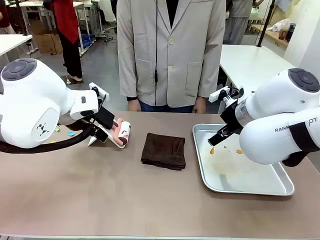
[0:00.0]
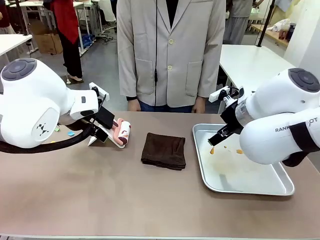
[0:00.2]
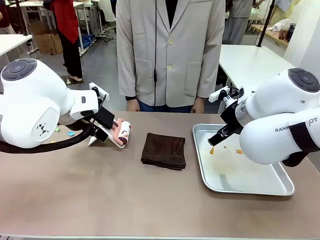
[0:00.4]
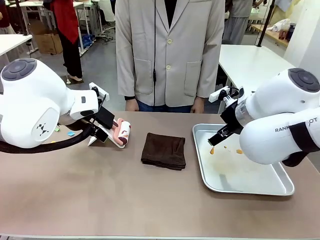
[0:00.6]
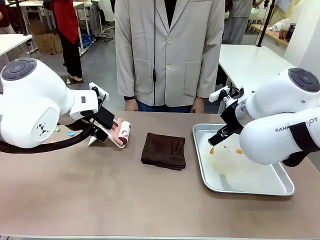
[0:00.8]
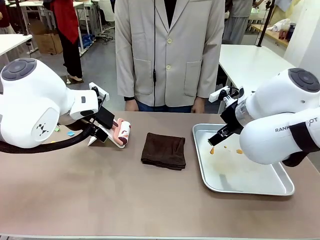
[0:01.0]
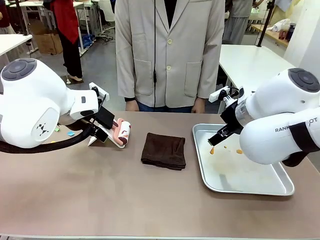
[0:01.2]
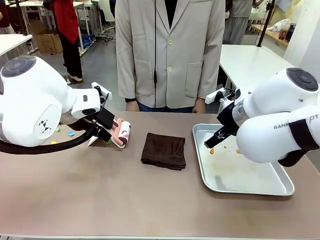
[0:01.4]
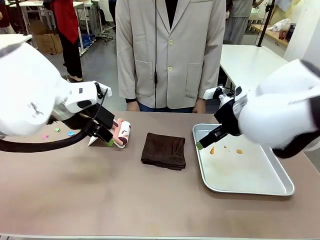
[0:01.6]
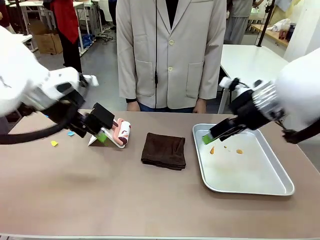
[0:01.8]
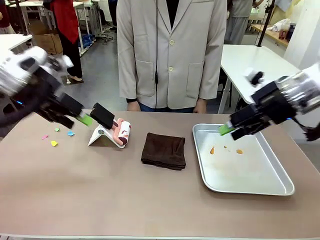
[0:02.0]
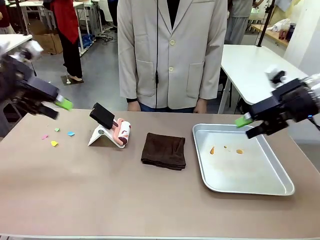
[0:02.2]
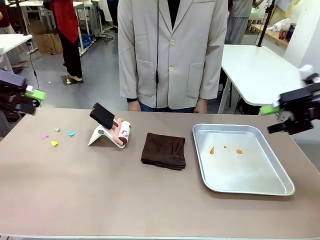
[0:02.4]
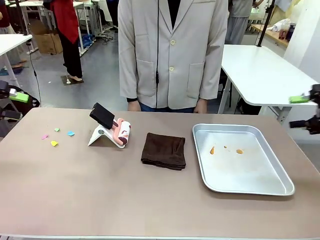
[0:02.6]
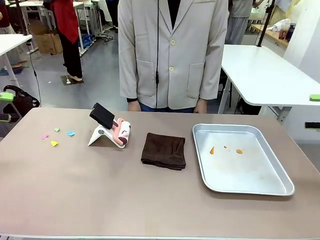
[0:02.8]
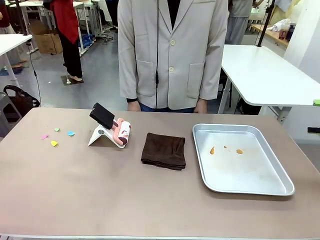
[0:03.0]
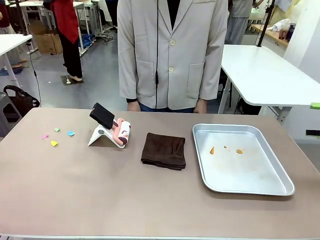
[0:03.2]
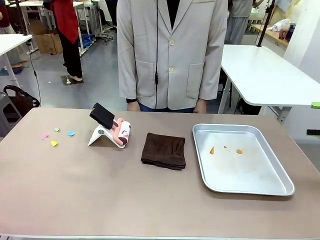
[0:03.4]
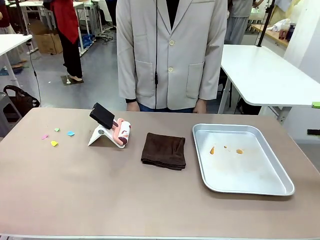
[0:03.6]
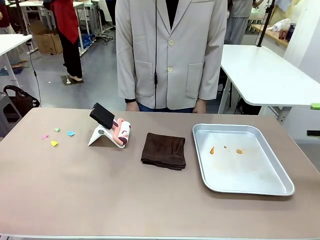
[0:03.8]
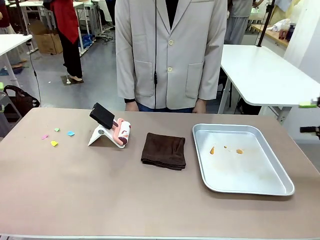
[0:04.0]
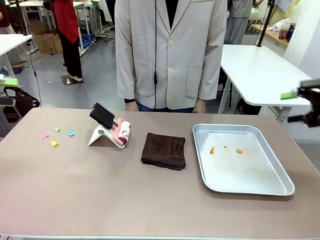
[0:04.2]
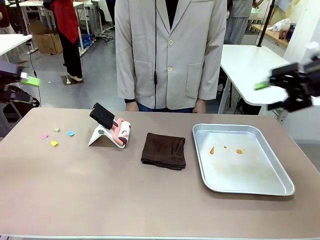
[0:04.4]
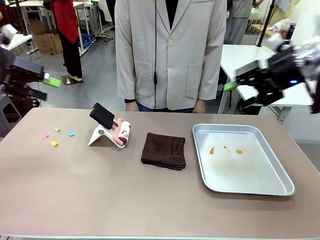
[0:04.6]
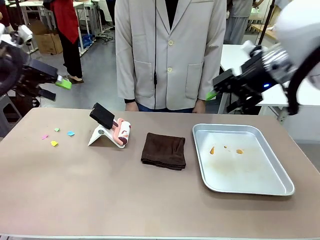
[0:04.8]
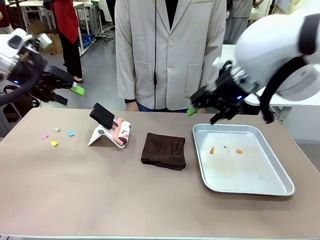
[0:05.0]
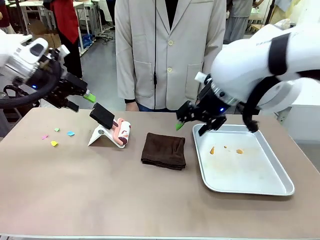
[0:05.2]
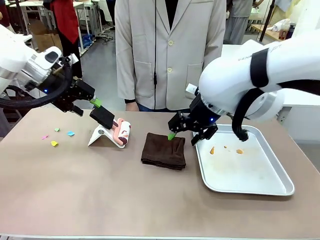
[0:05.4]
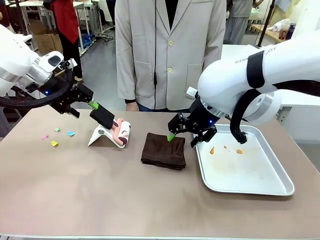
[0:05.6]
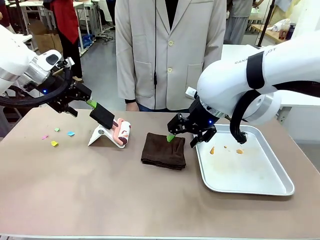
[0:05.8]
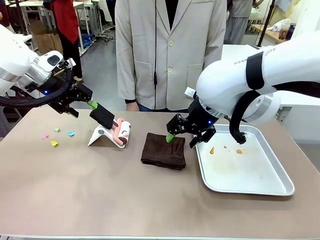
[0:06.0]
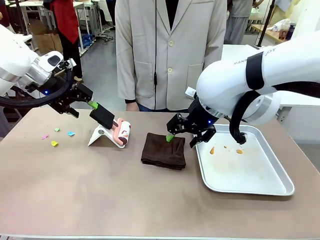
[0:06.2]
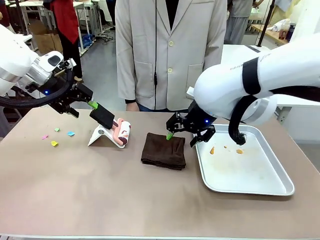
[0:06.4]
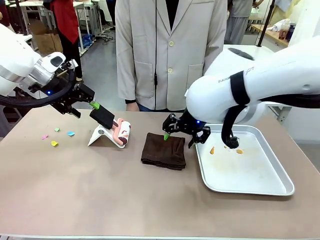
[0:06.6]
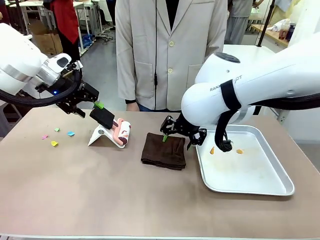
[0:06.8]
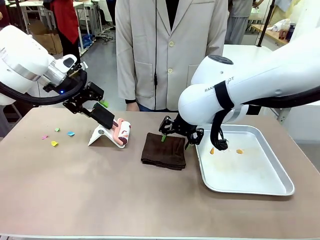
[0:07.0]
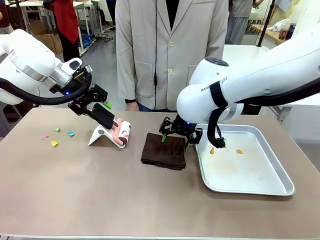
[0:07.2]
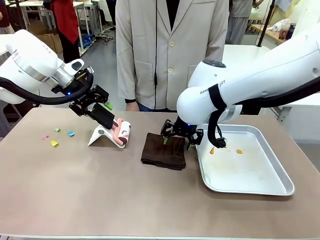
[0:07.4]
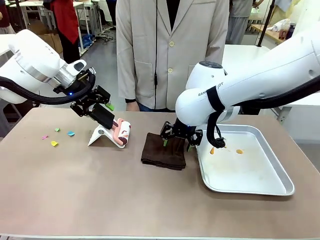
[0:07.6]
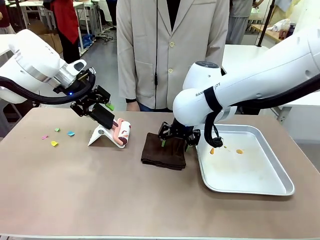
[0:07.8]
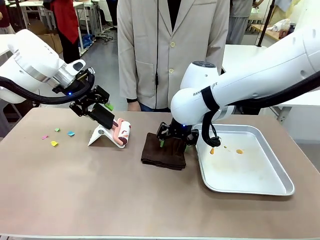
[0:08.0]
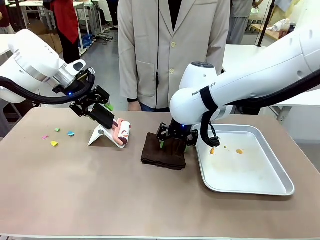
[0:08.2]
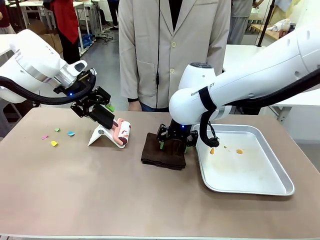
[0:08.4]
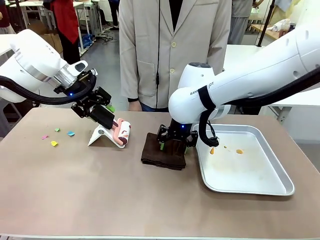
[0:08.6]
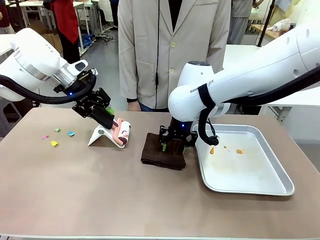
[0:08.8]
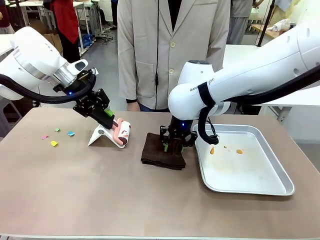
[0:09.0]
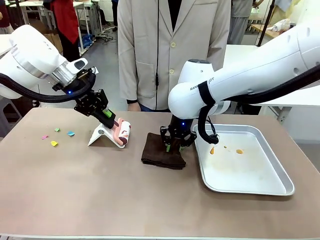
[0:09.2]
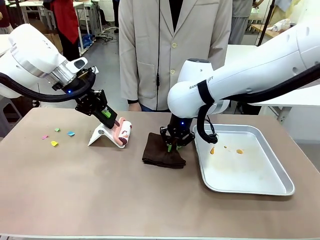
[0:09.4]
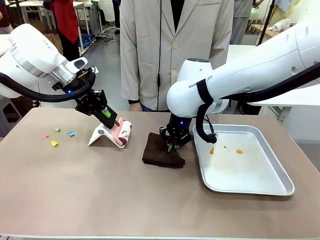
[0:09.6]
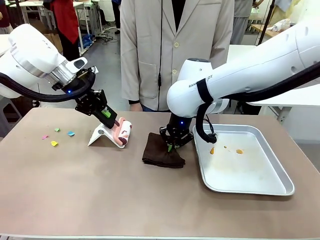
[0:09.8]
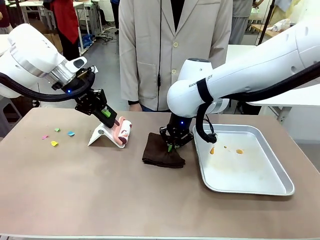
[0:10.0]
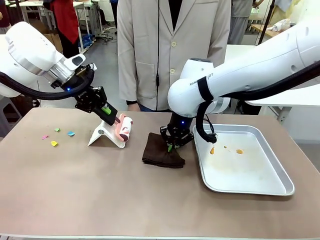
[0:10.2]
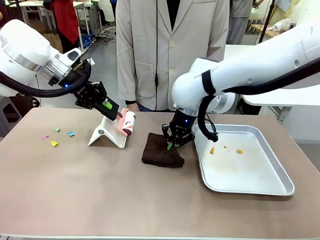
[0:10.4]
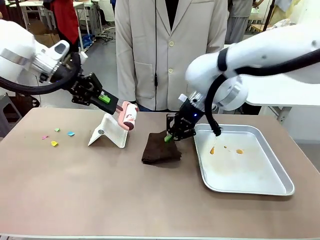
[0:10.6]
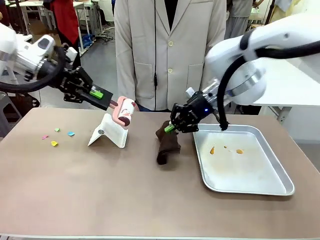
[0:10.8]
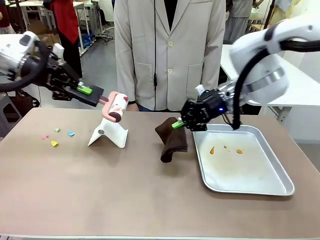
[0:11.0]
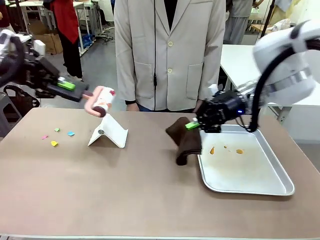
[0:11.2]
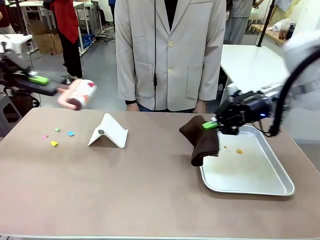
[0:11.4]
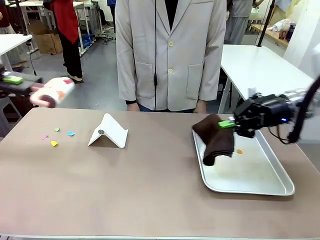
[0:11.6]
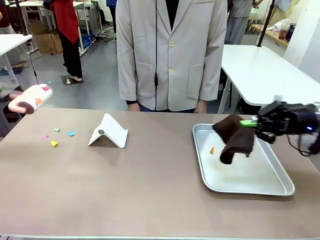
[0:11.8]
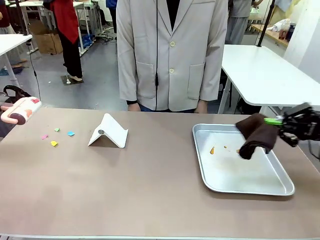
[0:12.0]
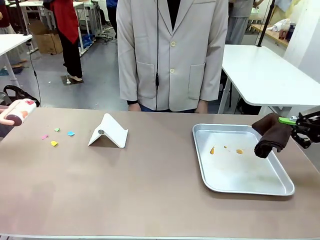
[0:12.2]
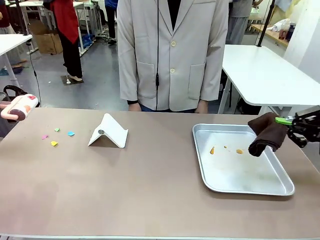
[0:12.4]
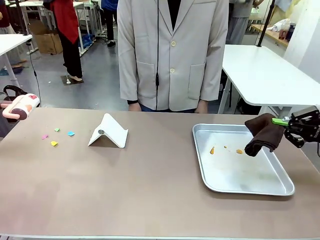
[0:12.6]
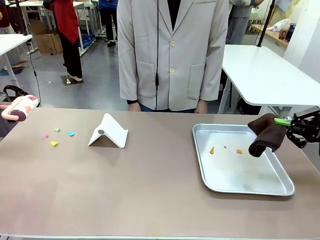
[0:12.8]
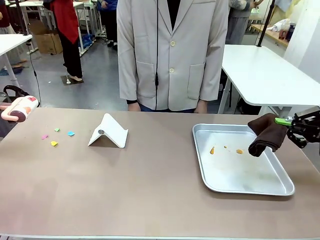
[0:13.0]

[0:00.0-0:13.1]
Task: Clean the surface of the table.
Robot: Hold the Lint Roller with your left hand and the towel with your right hand.
